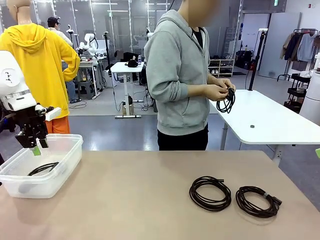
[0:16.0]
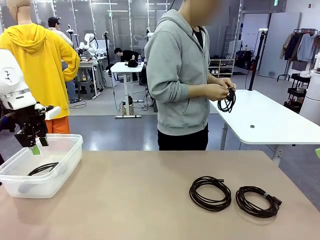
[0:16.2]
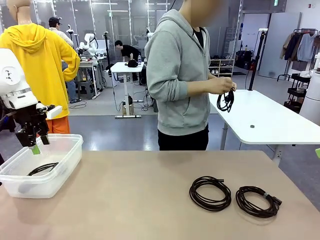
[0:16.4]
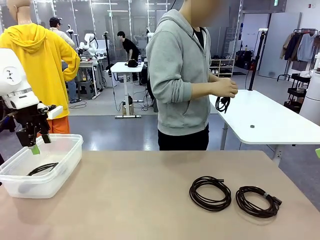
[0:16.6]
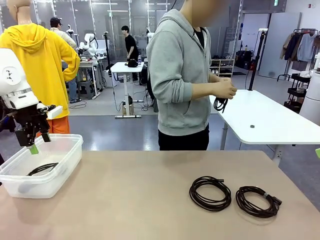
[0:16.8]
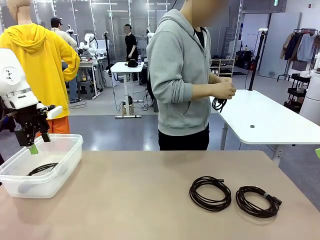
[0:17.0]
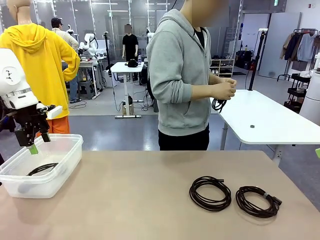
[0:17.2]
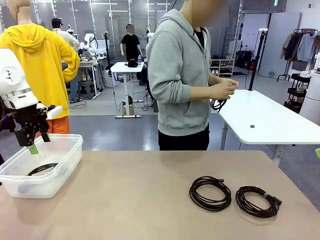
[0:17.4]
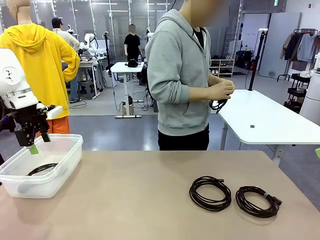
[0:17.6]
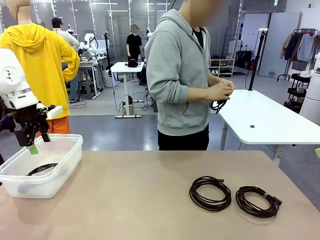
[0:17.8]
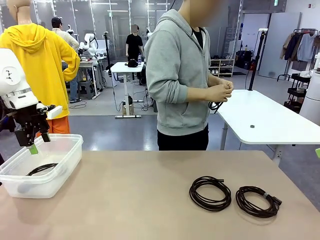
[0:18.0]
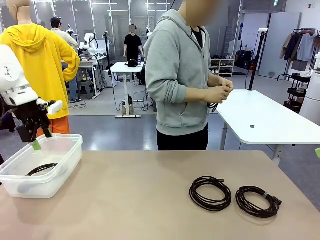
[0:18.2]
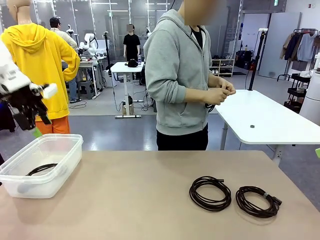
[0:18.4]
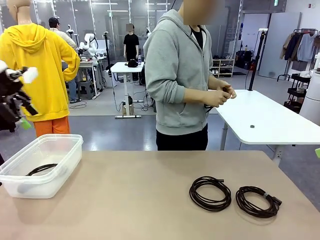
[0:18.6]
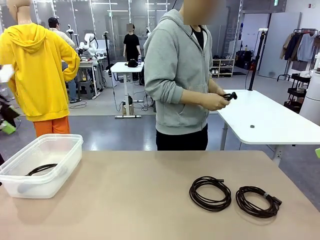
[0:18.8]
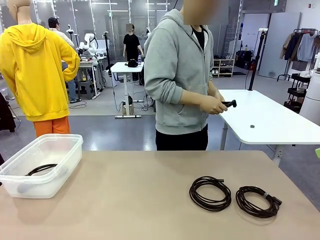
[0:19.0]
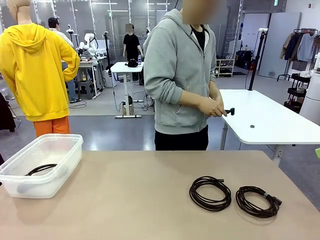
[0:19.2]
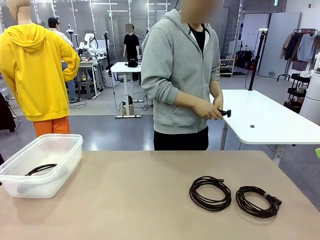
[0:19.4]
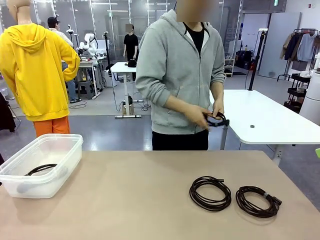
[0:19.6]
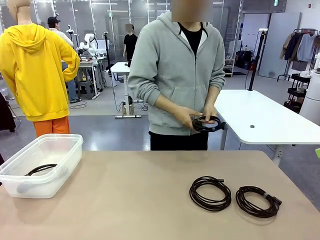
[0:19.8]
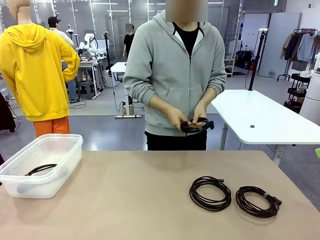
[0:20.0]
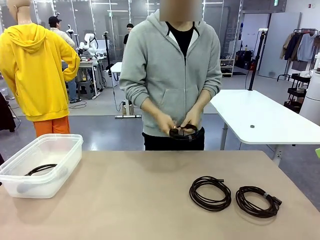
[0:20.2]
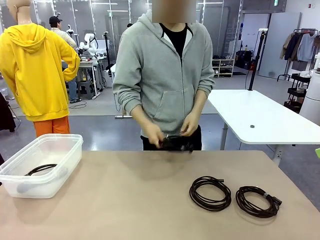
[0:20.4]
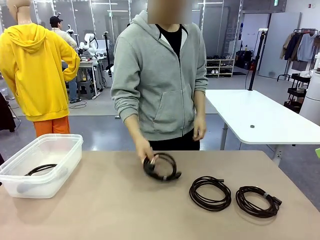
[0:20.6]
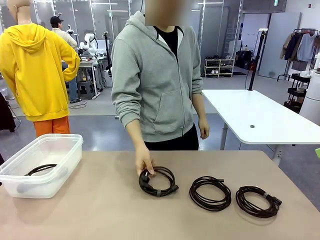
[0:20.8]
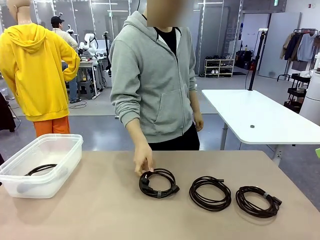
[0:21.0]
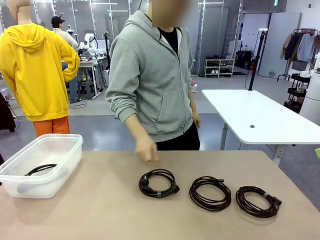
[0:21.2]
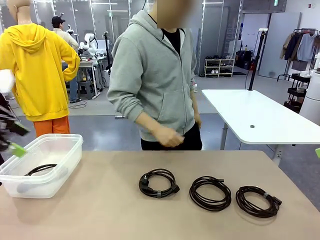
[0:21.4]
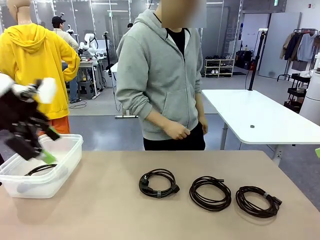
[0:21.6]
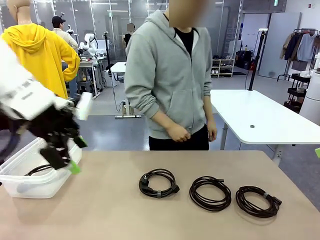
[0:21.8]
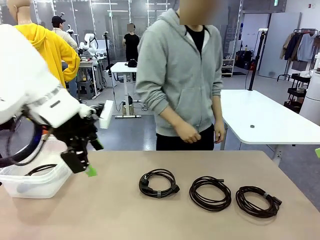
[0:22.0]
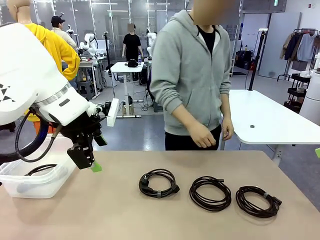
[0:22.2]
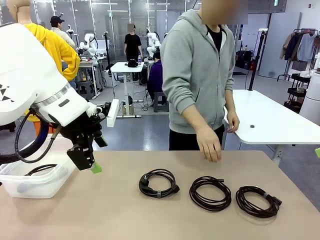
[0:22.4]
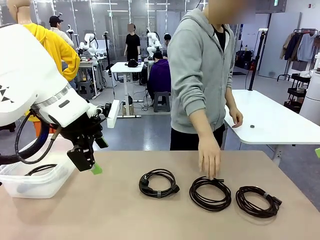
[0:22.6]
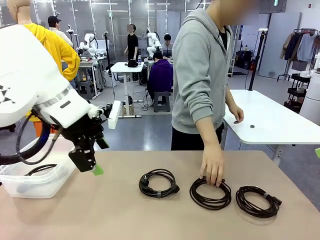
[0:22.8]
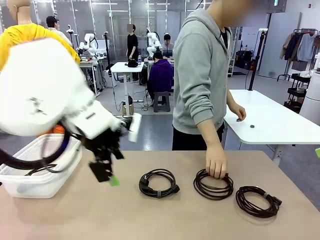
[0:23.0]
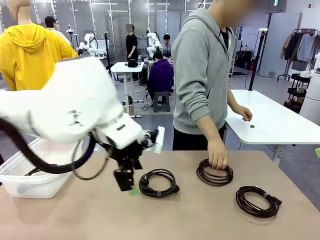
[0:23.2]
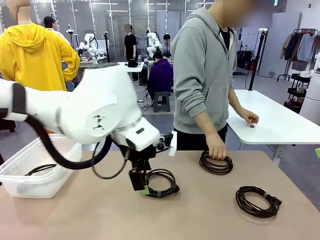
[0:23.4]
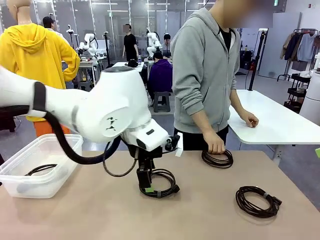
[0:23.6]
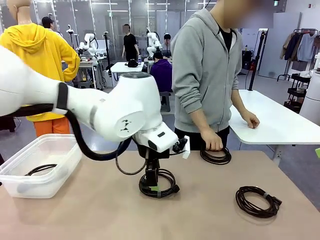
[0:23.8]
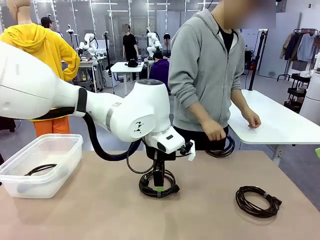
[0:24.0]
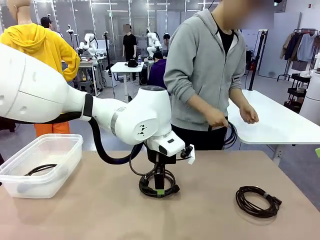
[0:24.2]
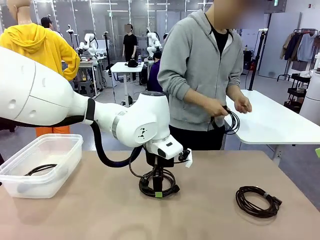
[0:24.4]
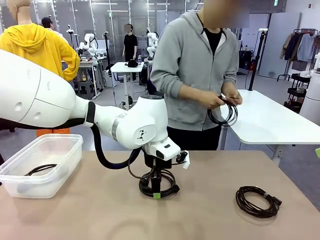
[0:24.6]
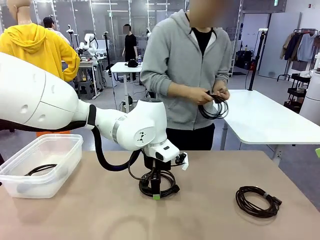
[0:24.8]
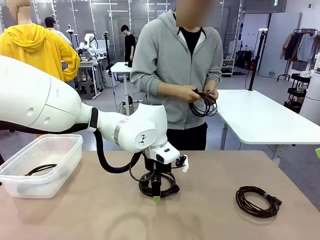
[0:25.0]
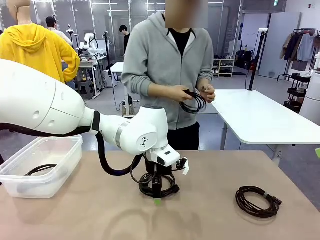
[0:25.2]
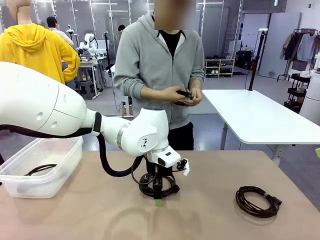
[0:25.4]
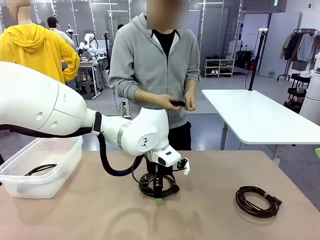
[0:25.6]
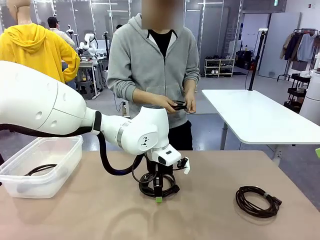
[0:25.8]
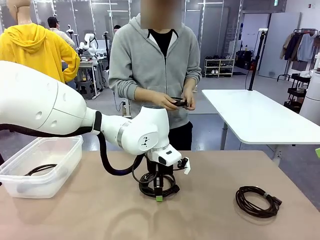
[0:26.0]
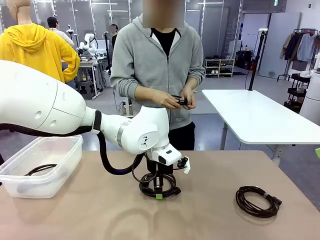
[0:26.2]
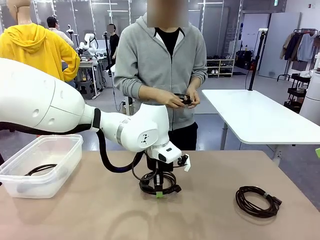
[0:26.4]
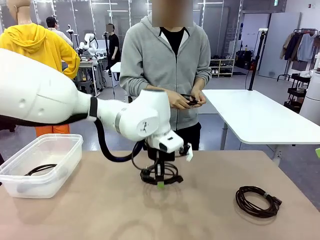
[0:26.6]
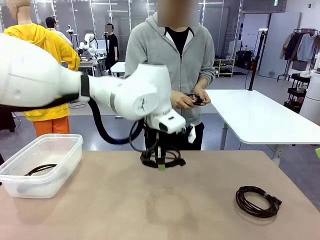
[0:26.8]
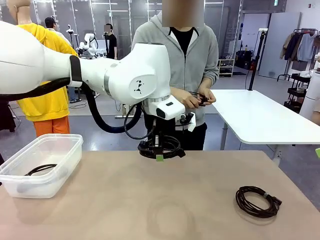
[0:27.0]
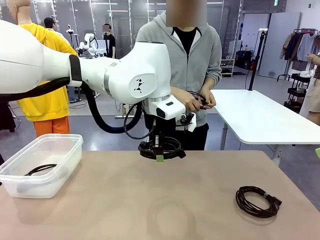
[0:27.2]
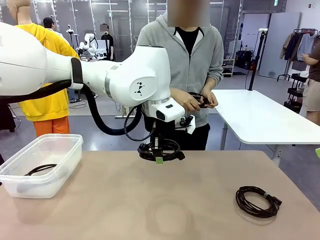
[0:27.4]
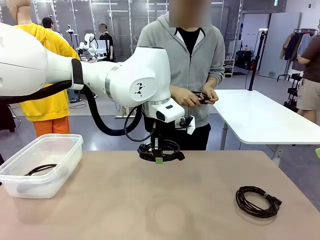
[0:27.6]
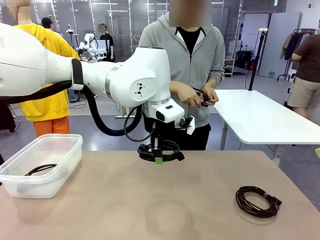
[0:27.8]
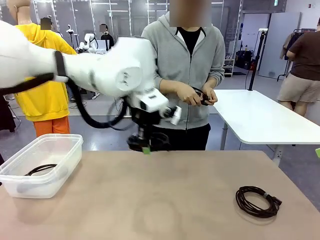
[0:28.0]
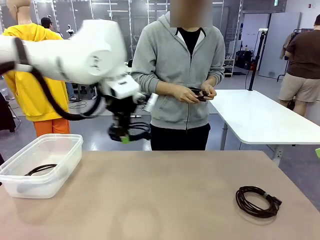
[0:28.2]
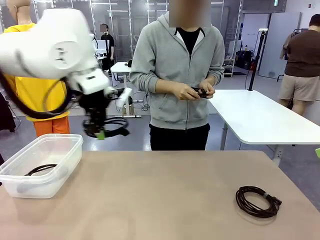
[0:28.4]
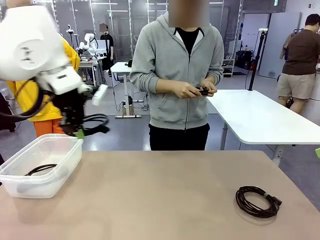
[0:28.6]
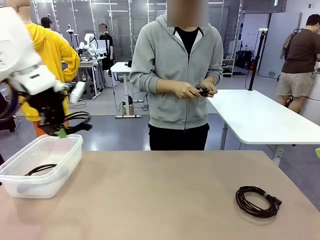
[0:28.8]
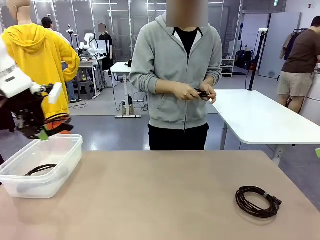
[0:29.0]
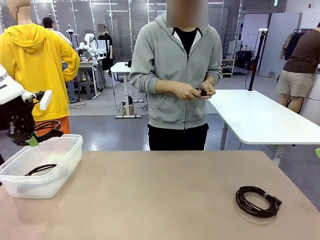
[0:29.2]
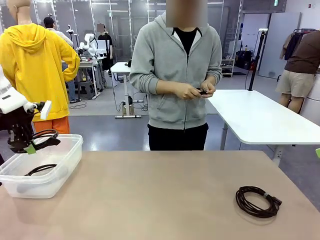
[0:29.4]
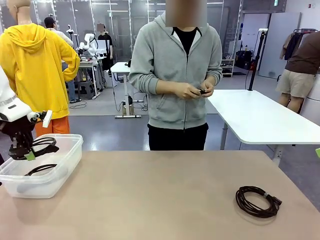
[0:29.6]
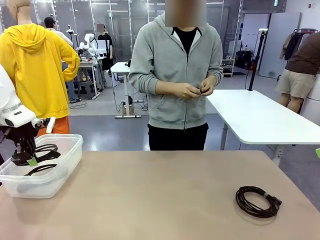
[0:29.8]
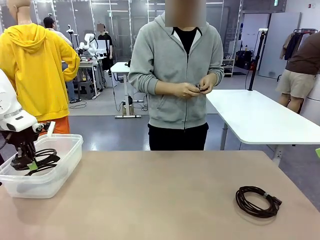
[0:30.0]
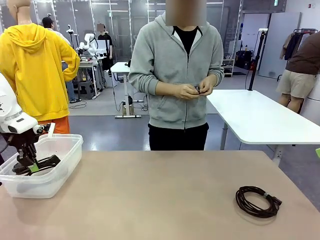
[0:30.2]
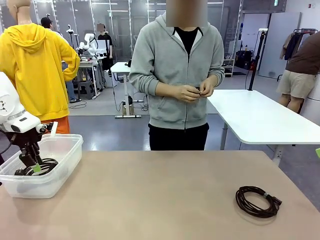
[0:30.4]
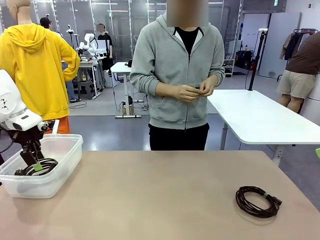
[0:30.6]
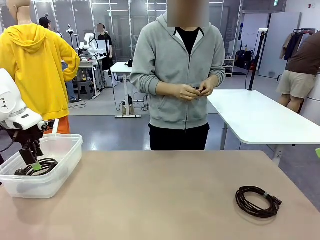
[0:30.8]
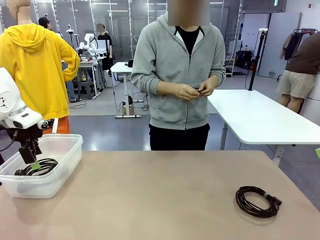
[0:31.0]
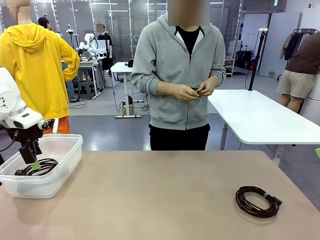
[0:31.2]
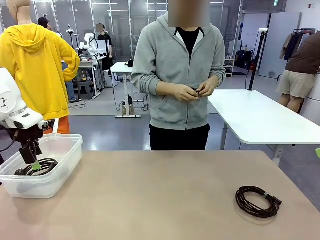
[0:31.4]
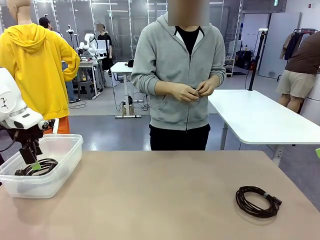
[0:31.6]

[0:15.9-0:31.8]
Task: Organize and store the cables.
Robot: Place the Power Cable into the Organizing box.
